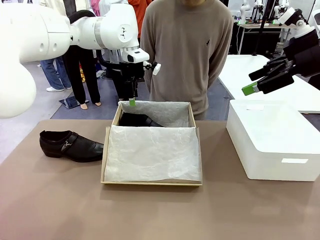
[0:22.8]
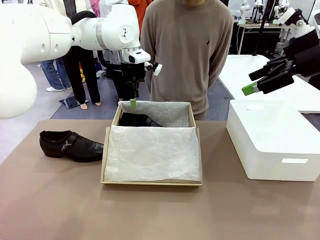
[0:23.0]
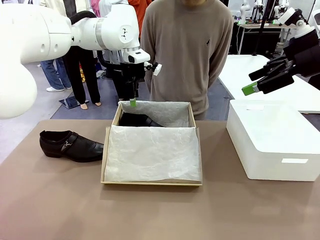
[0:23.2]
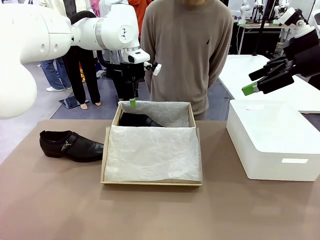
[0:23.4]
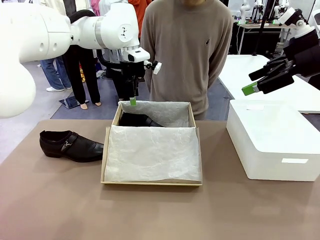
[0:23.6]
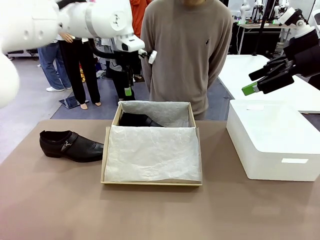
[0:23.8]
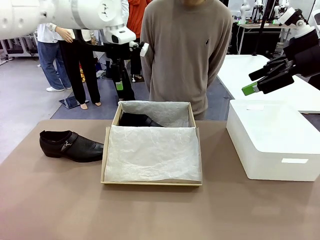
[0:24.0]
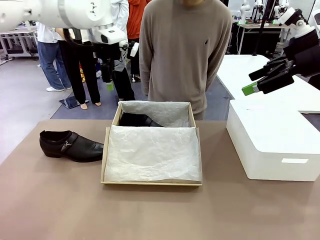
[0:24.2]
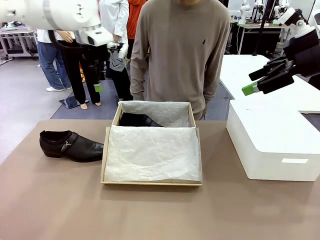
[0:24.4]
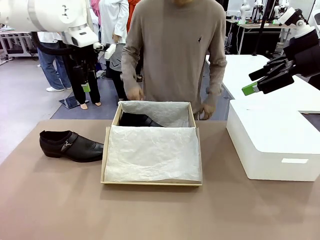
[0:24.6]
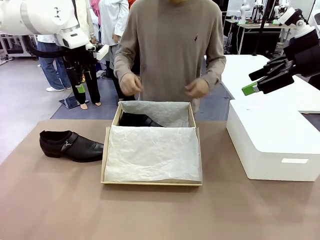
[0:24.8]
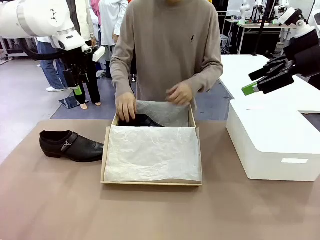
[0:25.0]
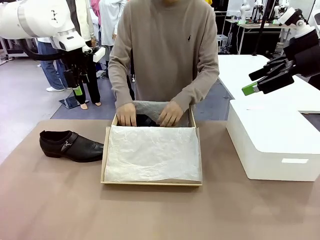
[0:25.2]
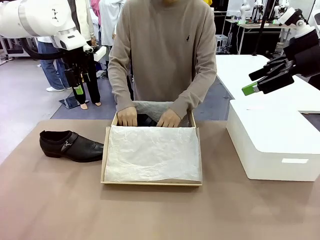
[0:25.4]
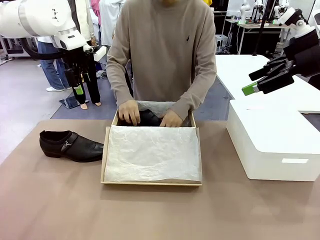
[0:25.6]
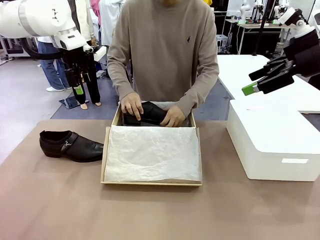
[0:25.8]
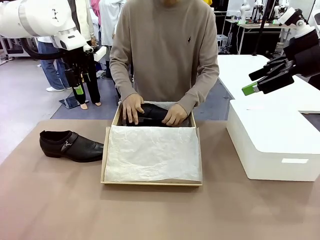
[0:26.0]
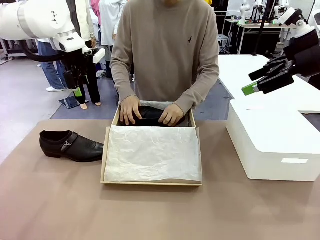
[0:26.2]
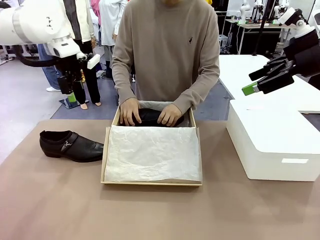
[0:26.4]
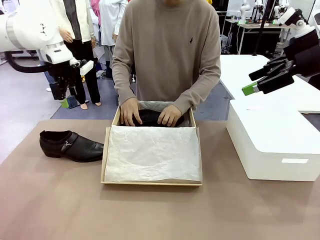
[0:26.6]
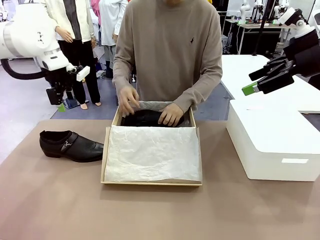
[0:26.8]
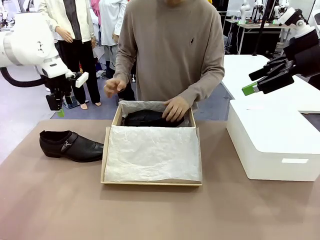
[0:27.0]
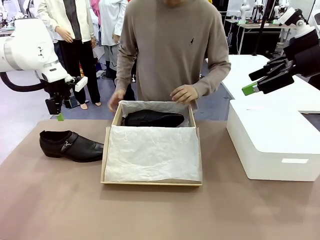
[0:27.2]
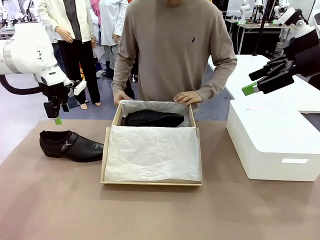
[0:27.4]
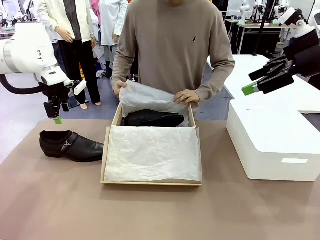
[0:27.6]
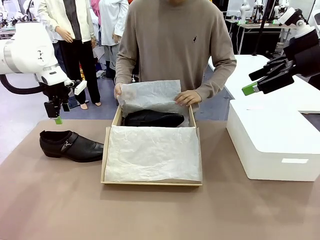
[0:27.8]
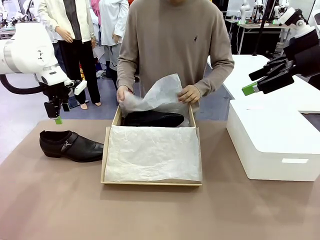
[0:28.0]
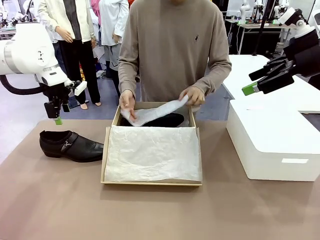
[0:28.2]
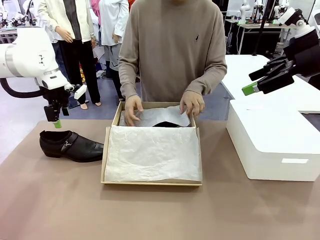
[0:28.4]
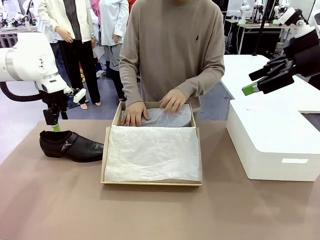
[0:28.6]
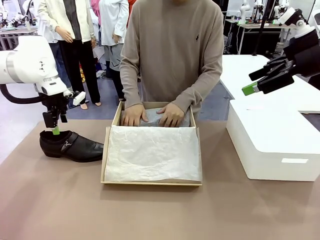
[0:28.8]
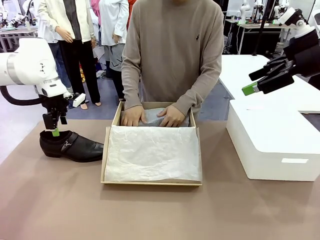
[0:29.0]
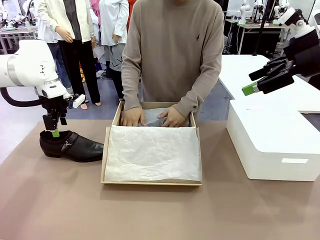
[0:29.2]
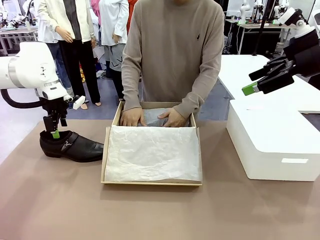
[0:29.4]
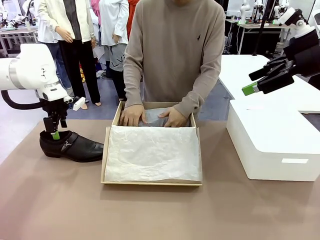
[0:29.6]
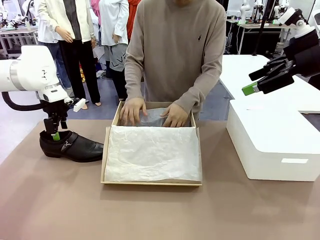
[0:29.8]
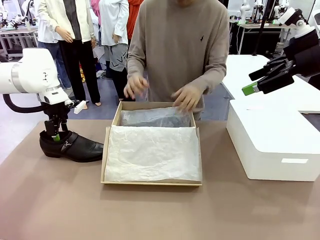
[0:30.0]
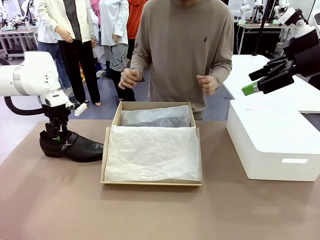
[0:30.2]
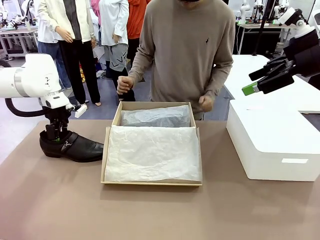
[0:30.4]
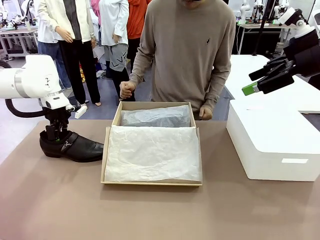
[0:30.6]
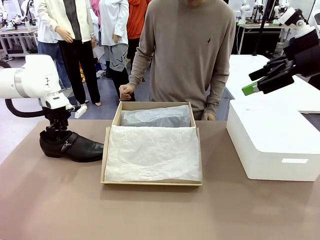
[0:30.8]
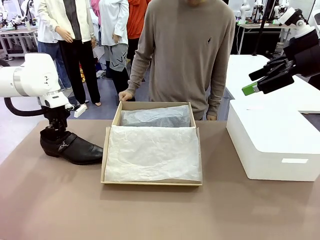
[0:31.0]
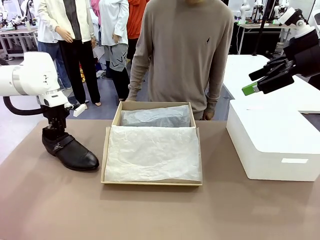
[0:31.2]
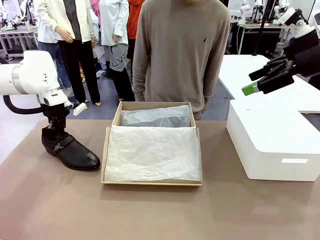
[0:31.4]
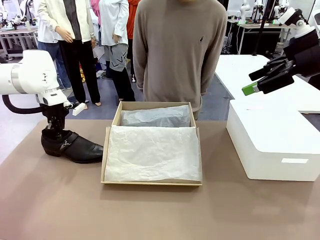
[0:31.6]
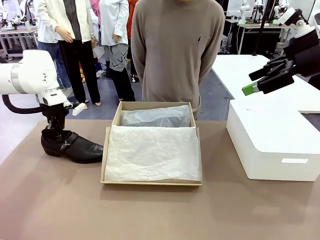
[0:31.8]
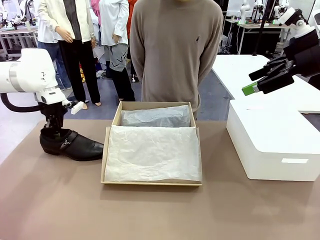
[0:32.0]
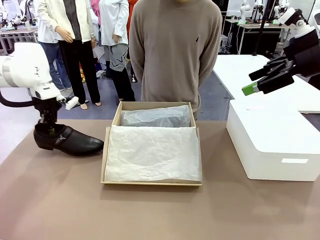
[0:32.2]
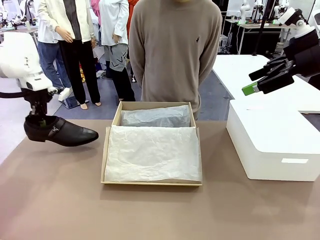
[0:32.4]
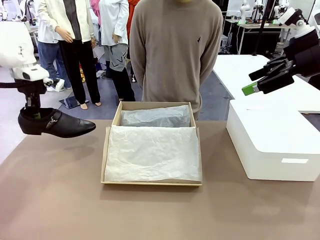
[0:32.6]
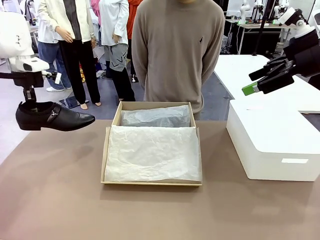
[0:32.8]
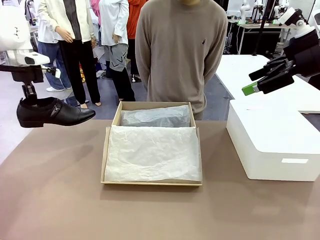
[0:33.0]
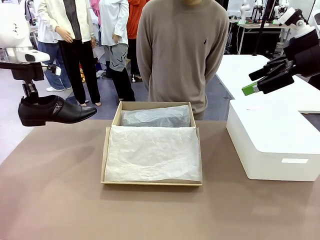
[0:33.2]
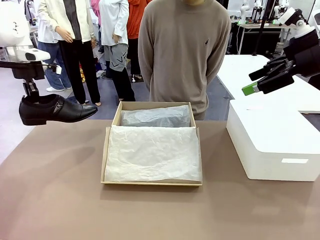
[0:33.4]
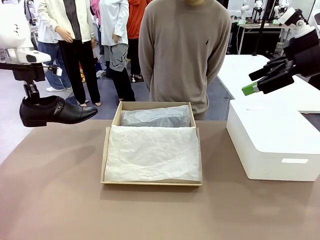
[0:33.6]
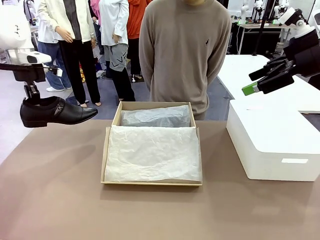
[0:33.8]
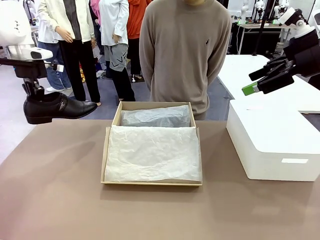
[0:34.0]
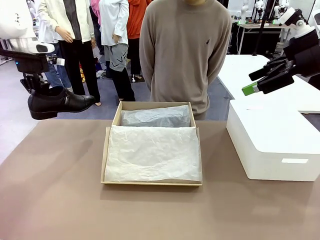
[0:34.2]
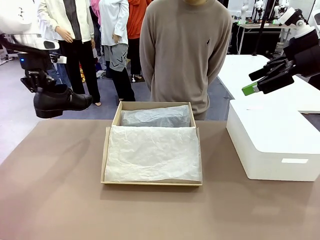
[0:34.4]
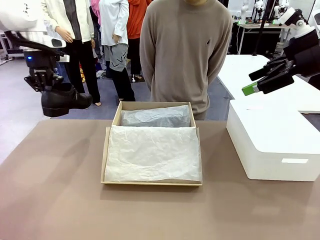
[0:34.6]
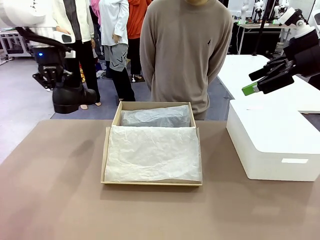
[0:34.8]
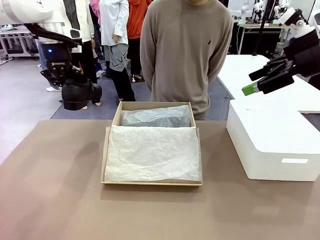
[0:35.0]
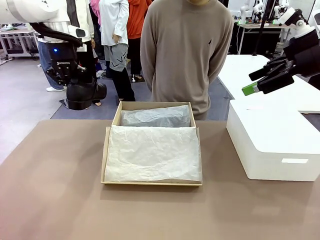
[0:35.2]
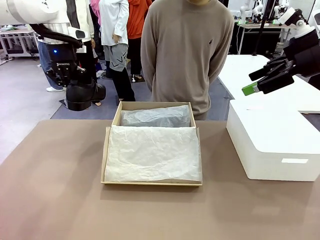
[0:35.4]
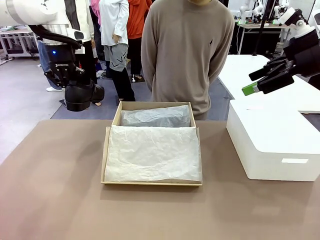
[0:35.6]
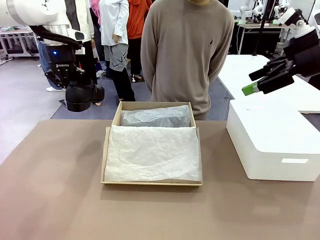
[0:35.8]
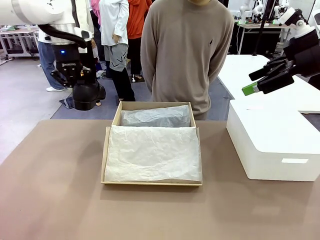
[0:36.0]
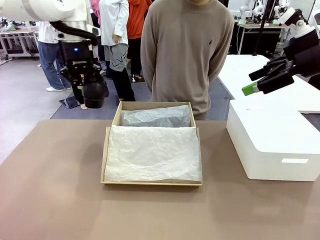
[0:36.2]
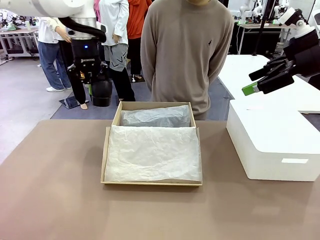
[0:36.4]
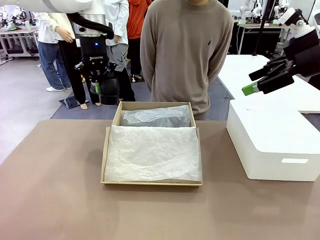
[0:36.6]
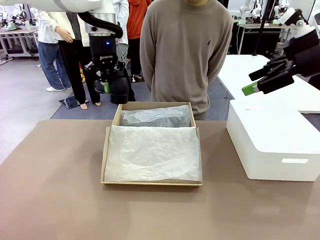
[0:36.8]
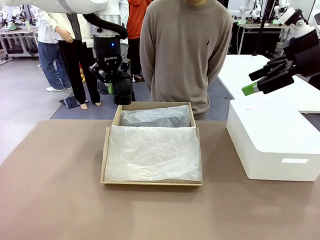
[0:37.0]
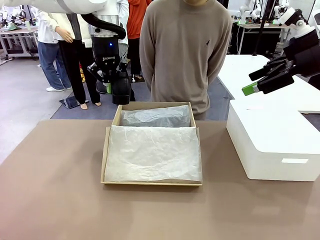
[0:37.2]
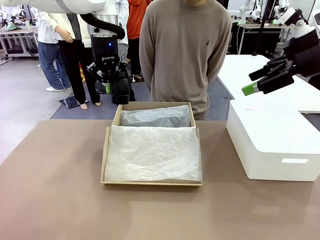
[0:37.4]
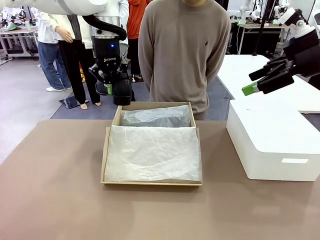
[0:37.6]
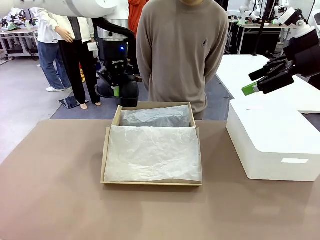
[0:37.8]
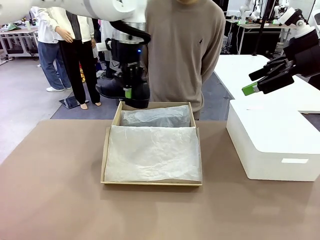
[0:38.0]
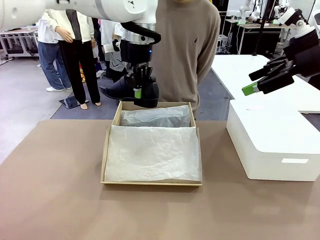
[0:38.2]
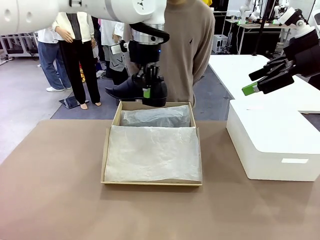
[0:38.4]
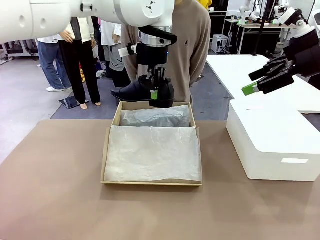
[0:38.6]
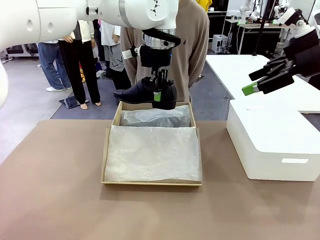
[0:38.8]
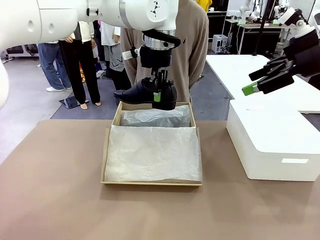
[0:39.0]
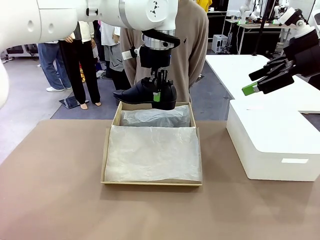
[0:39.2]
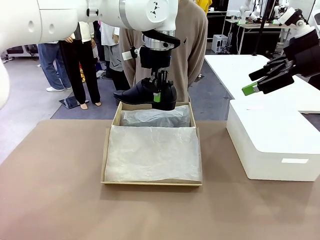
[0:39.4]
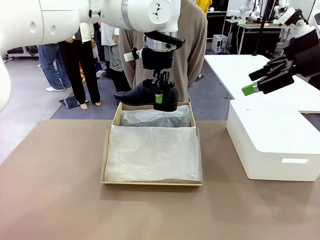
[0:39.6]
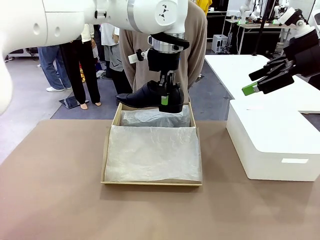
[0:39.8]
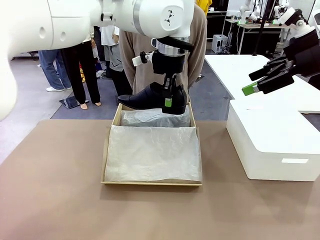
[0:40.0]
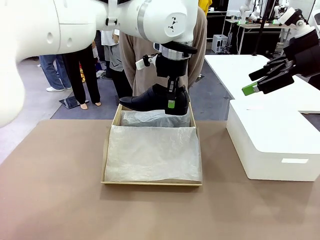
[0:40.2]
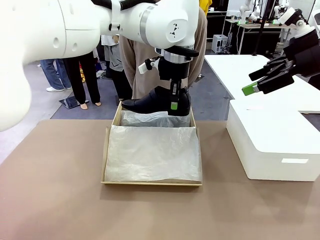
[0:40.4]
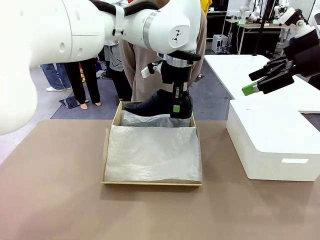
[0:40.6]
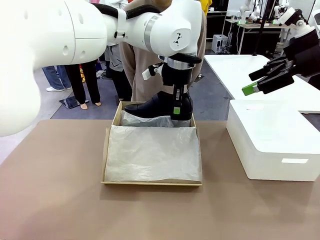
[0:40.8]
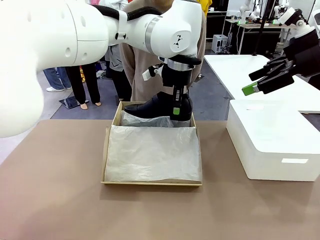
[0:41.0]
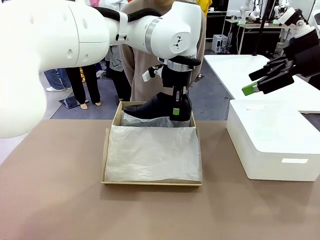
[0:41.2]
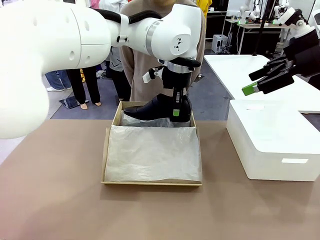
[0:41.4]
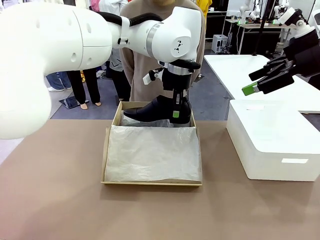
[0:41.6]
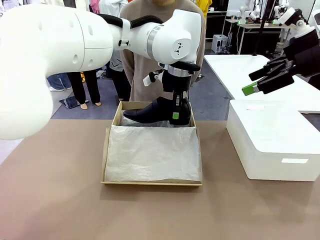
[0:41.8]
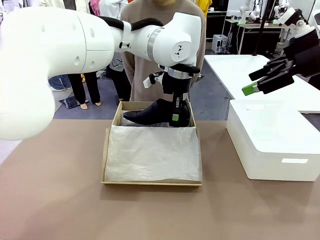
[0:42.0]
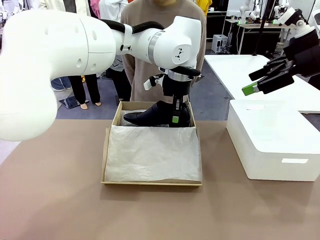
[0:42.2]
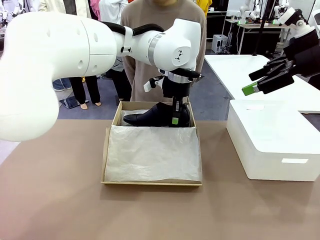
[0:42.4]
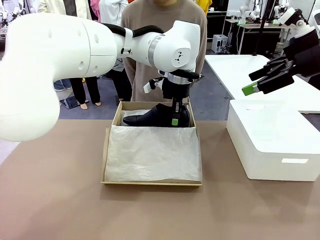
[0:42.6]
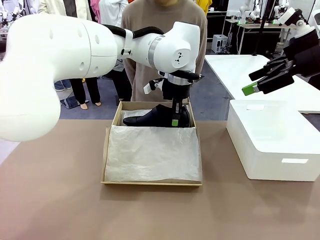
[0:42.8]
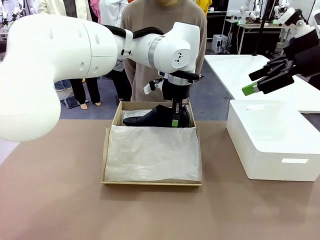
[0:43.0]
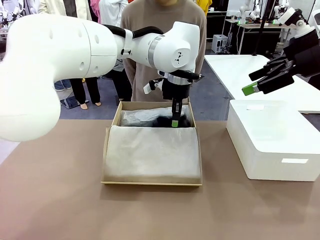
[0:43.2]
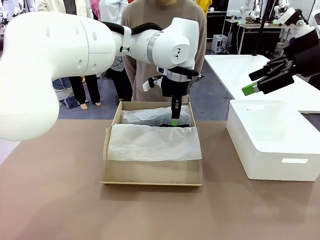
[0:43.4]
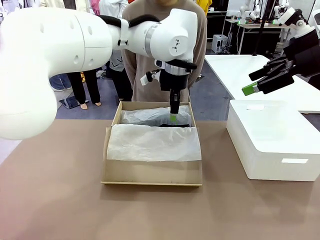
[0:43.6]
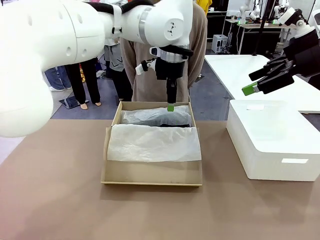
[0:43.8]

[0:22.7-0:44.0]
Task: Pack the shoes into the box.
Robot: Place the other shoe of the Shoes into the Shoes Box.
Person: Pack a shoe of Shoes inside the Shoes Box with Shoes Wrapping Paper.
